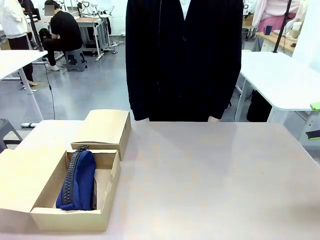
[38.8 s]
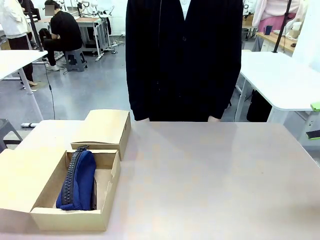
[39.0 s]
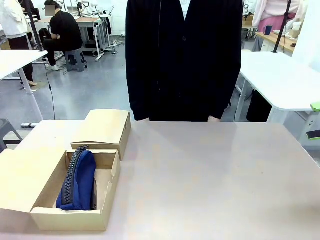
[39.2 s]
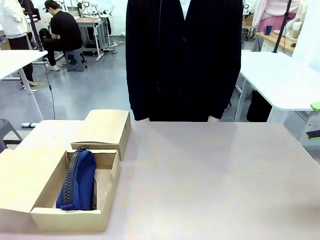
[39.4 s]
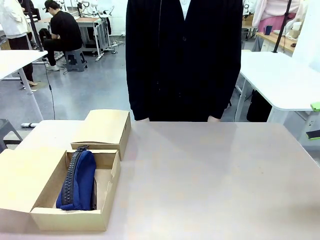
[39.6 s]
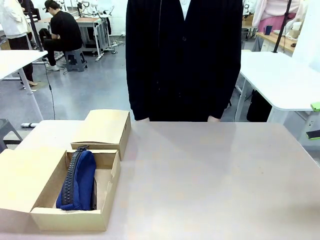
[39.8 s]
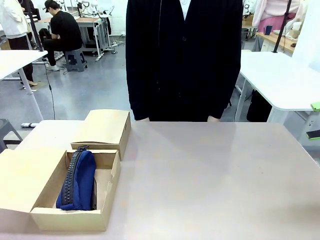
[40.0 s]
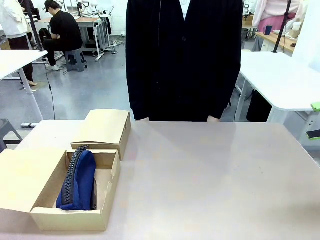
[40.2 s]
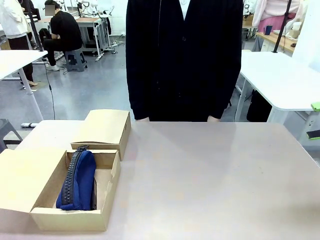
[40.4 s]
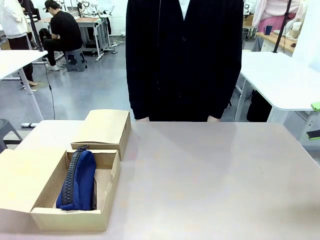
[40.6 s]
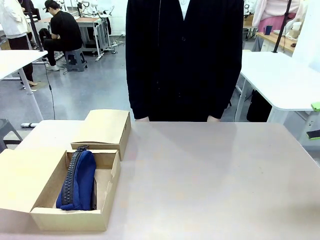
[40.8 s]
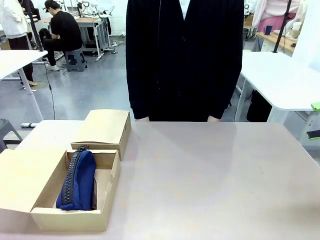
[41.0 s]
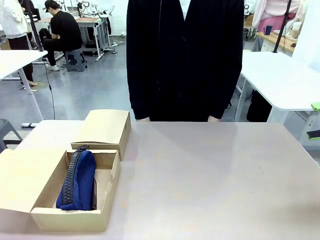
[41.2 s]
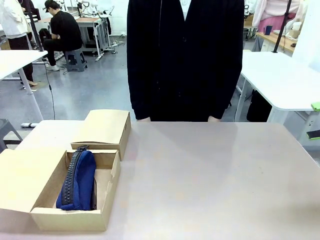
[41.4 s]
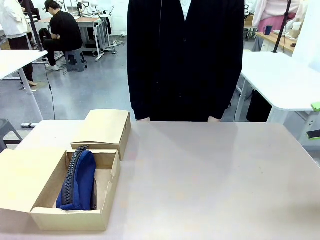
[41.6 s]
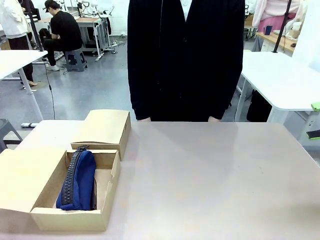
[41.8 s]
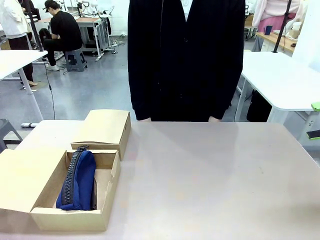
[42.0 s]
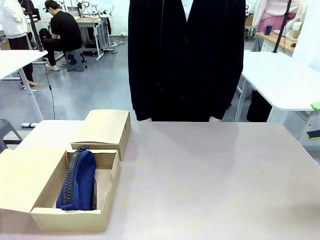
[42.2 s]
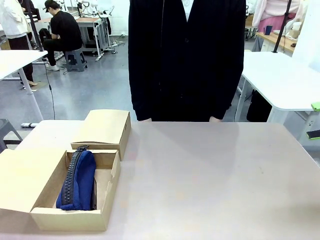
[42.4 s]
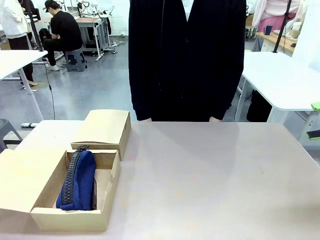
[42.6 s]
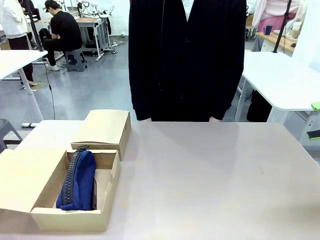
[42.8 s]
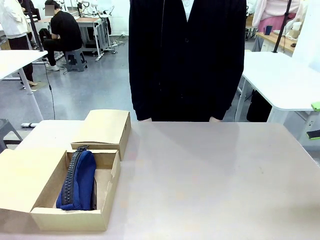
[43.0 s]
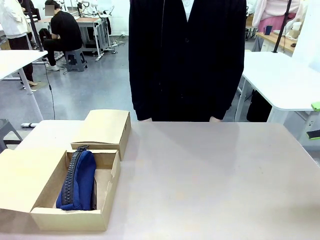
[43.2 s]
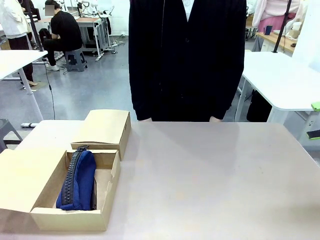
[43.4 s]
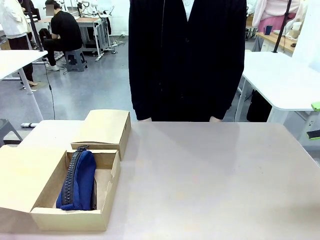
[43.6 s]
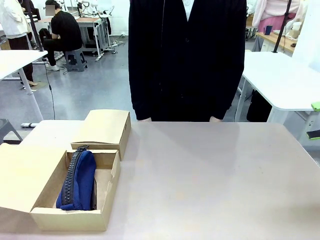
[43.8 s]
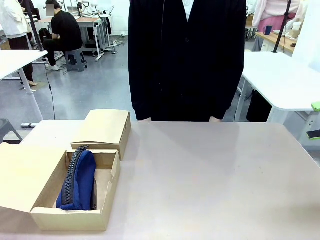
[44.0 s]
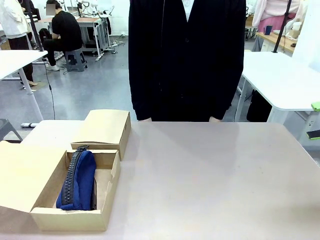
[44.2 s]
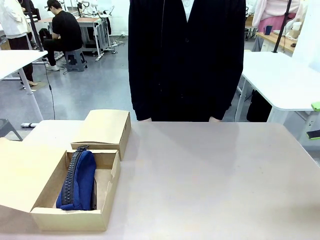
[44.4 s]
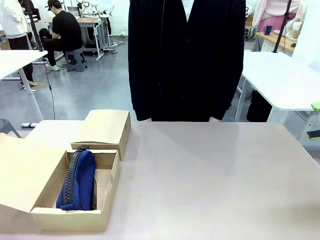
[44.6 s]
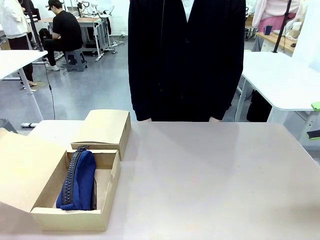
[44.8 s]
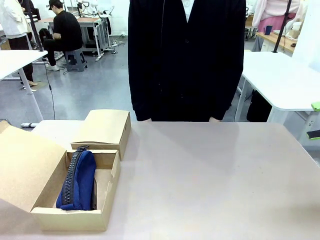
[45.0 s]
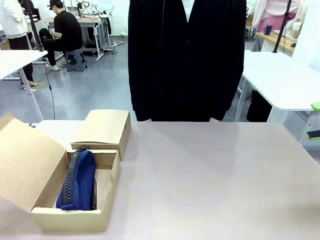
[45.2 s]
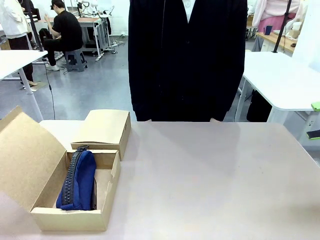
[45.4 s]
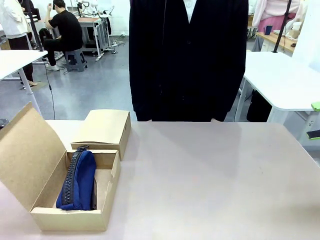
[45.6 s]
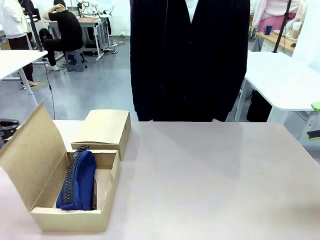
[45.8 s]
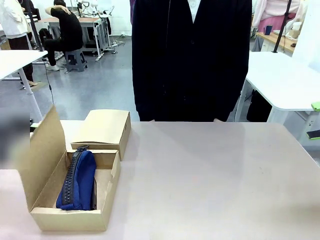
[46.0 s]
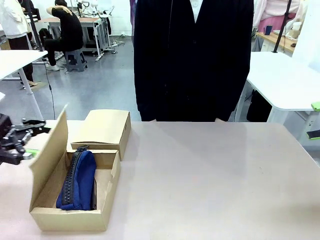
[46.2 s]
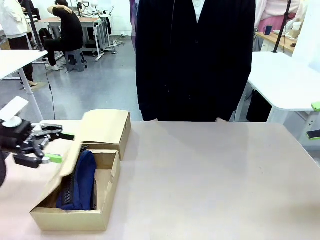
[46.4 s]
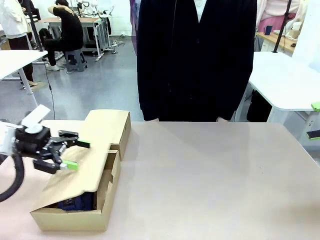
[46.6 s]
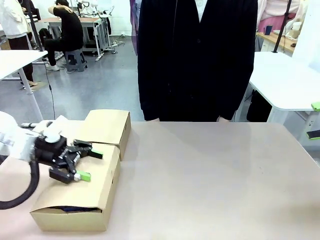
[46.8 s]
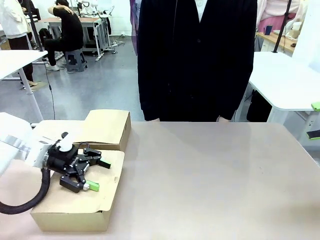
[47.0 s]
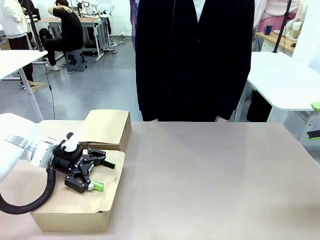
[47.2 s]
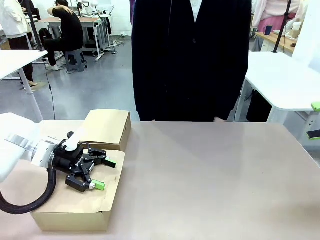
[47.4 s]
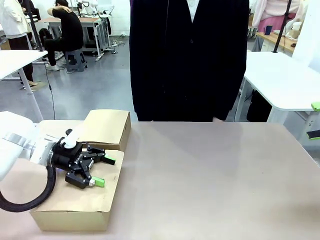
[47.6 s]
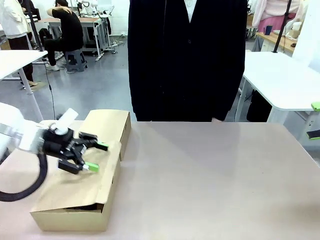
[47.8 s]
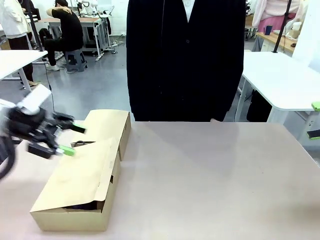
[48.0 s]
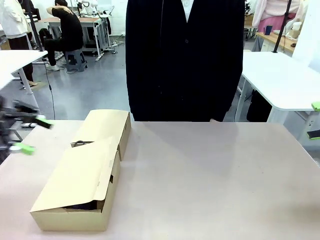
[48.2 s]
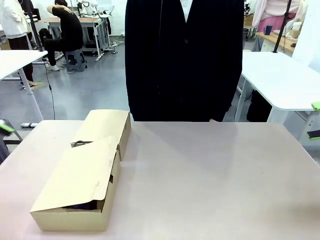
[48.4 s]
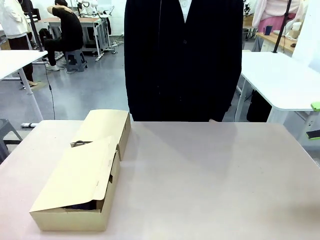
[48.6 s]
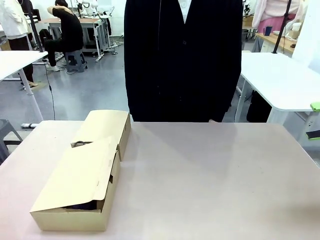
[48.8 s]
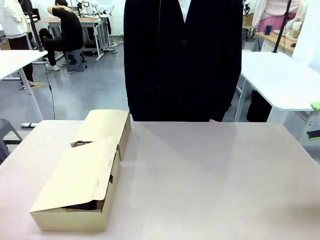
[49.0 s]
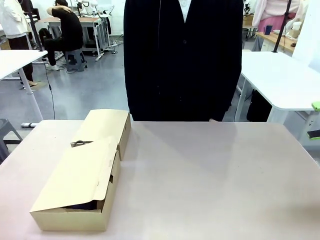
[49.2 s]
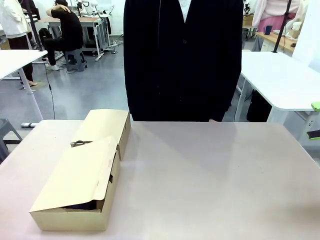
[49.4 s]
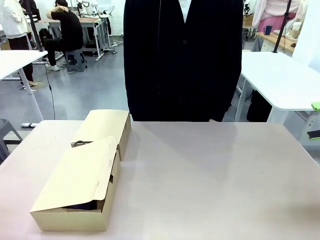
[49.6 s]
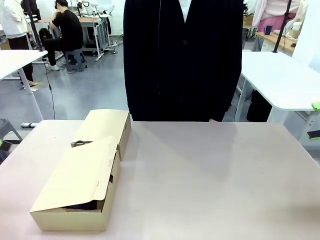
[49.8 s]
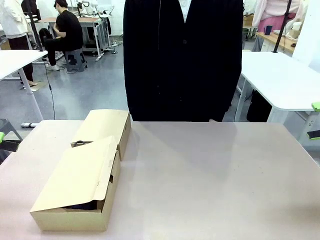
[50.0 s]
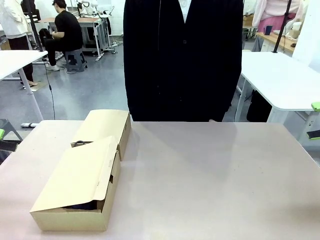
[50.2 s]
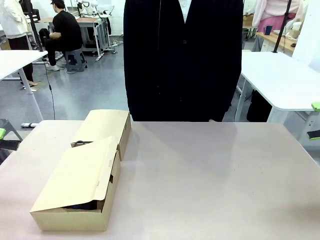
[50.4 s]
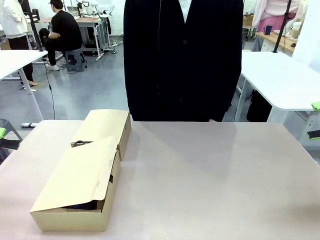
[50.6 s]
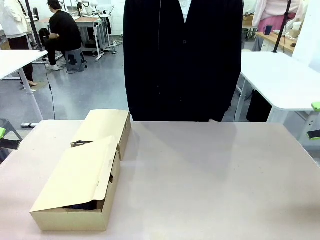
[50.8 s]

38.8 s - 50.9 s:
Task: Place items inside the box.
Robot: Close the lid of the Mailer Box closest to the robot.
Person: Close the lid of the box facing the person.
